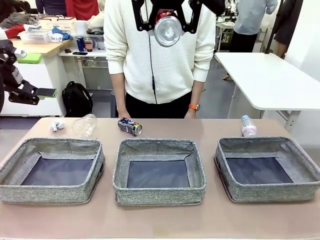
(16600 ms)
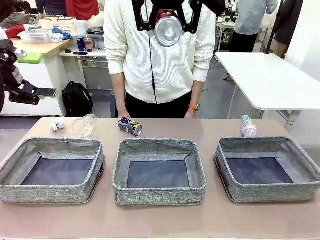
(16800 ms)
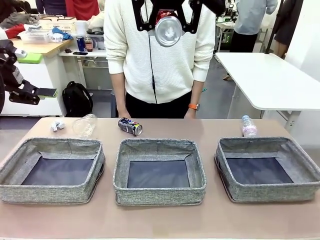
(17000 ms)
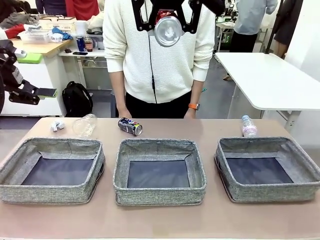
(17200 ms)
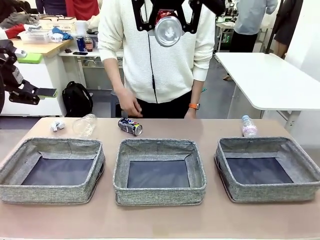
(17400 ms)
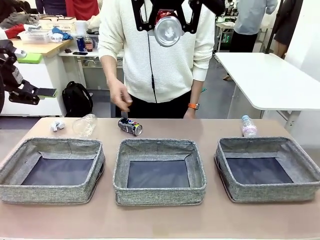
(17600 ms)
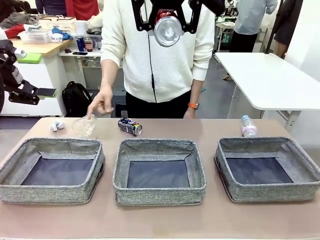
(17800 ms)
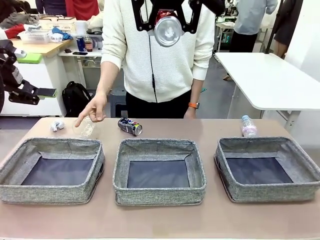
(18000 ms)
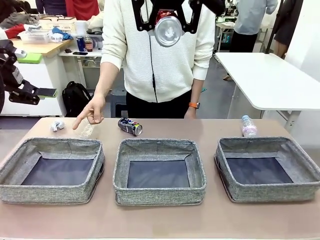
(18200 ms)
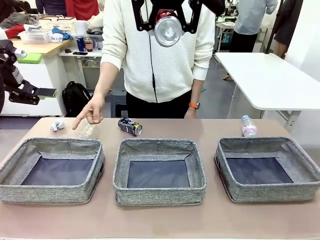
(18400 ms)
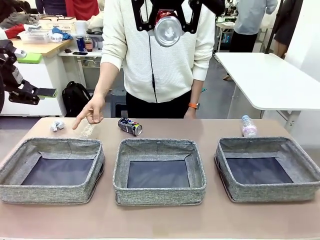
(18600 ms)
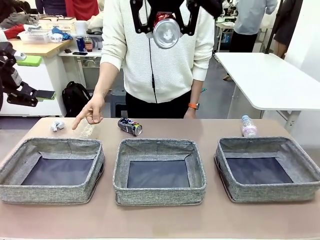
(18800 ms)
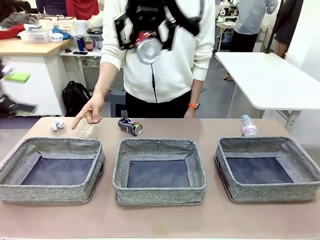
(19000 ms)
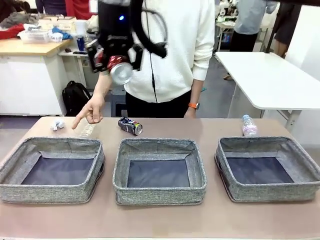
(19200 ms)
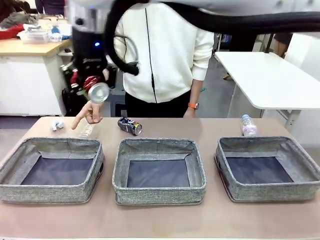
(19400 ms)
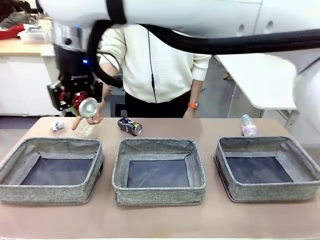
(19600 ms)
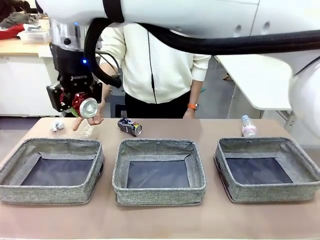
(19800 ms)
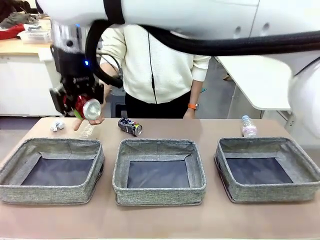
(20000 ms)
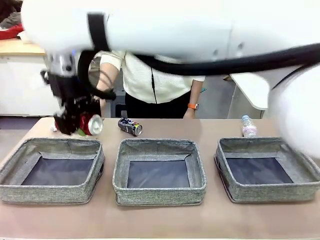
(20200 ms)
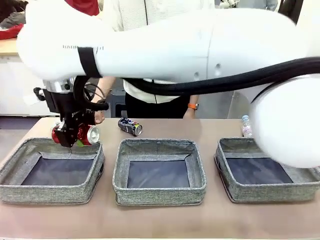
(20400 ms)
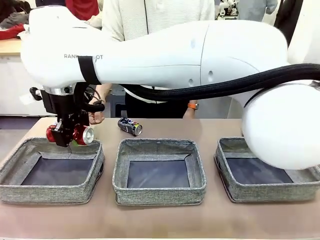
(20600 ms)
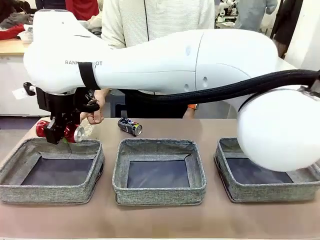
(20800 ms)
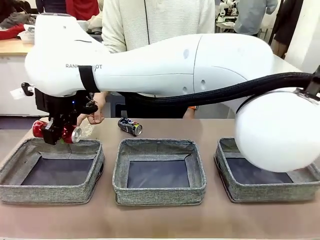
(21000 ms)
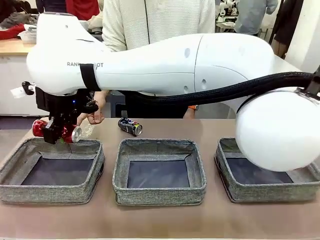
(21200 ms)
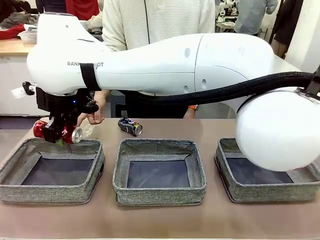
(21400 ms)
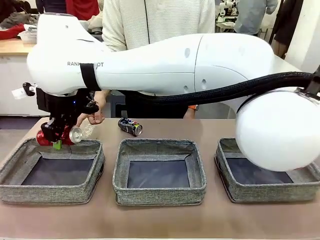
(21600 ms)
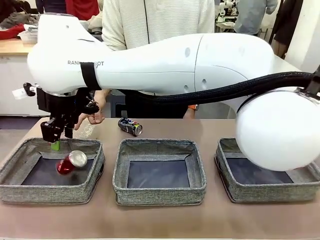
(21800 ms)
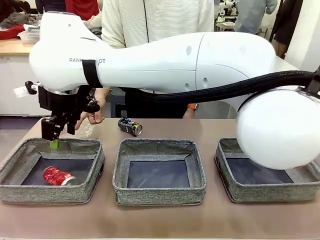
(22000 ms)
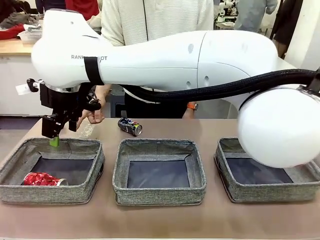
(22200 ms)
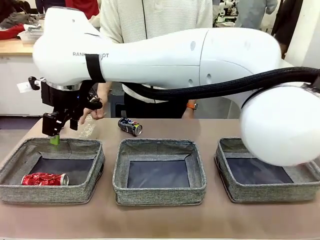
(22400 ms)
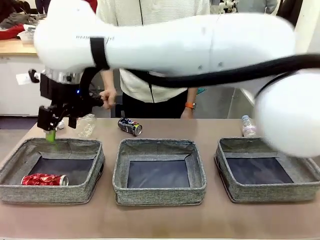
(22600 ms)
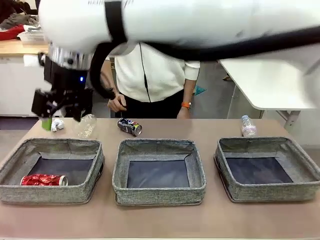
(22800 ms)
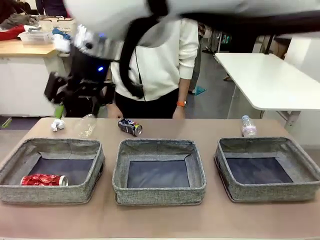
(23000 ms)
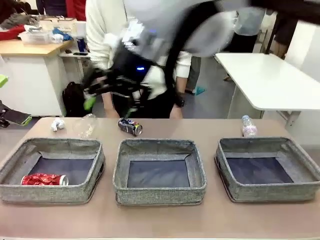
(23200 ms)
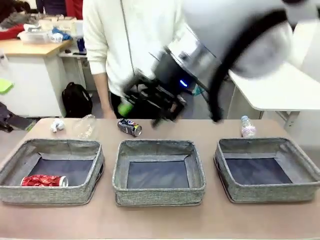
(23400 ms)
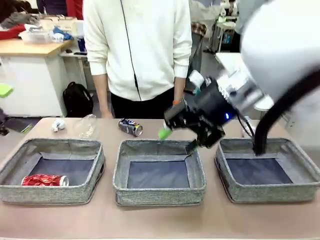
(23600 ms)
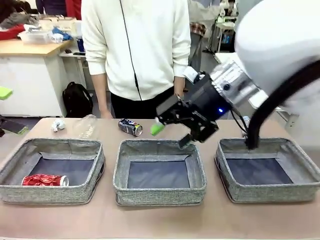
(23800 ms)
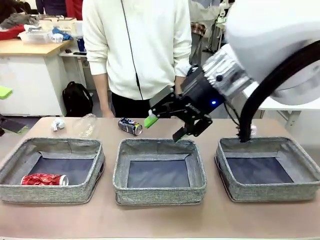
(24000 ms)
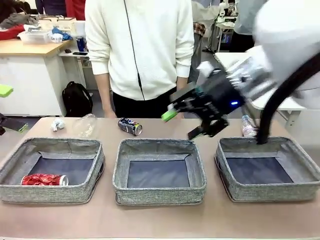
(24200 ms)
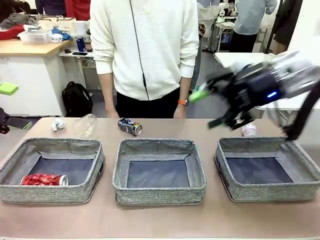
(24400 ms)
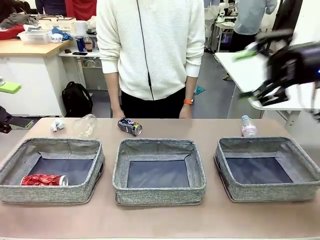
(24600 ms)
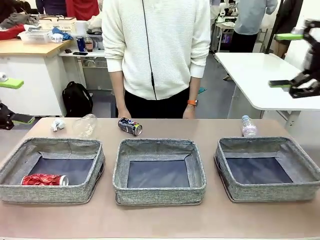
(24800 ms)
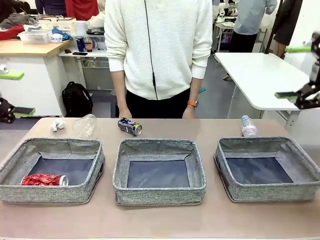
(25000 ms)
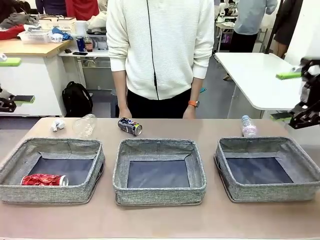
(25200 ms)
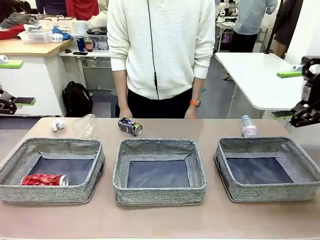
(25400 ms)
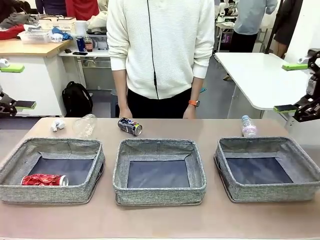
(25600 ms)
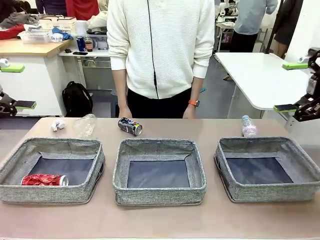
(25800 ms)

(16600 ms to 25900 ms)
Task: Sort the waste into the appropriate baskets.
Robot: Place the picked waste into the Fabric basket indicated by the person.
Person: Instructs the robot to place the picked-up trash into the appropriate organizing basket.

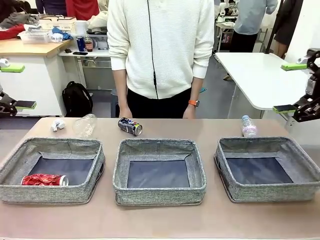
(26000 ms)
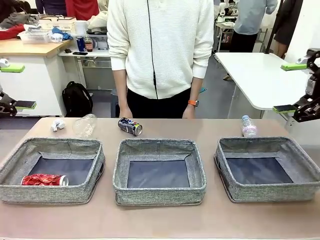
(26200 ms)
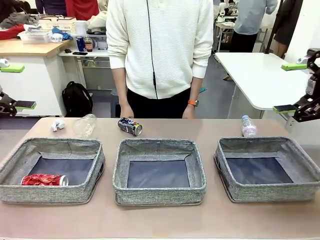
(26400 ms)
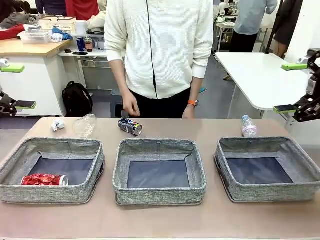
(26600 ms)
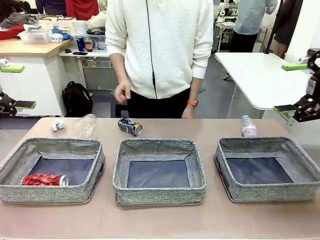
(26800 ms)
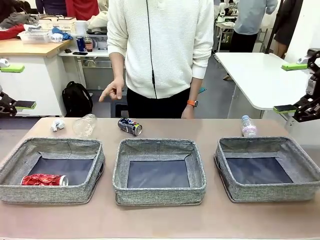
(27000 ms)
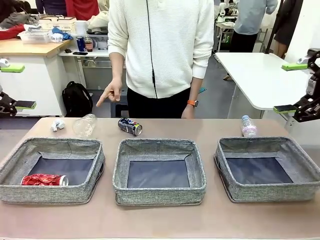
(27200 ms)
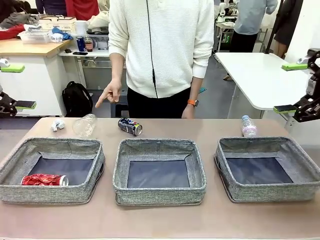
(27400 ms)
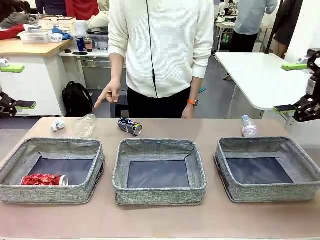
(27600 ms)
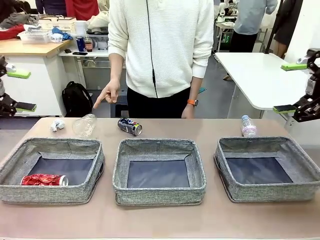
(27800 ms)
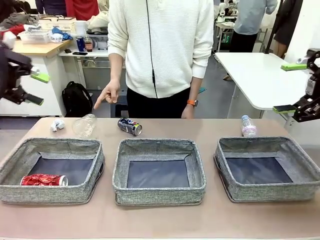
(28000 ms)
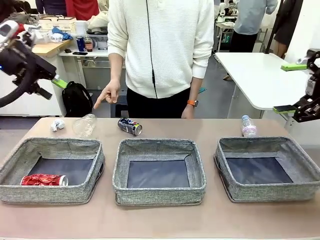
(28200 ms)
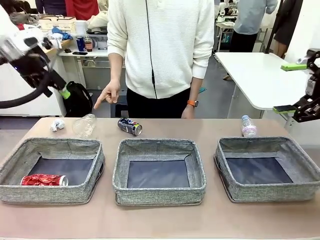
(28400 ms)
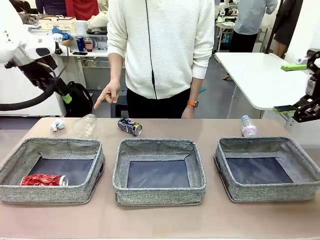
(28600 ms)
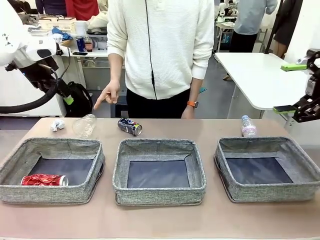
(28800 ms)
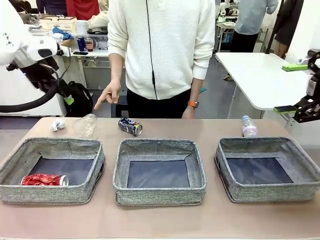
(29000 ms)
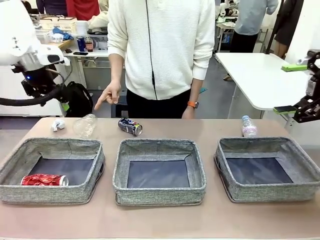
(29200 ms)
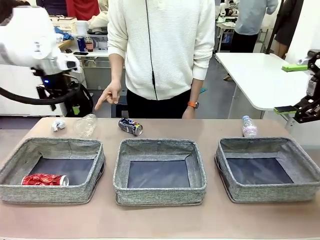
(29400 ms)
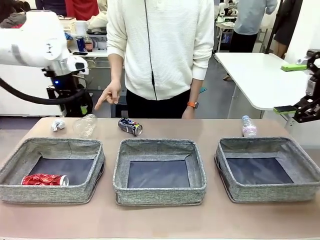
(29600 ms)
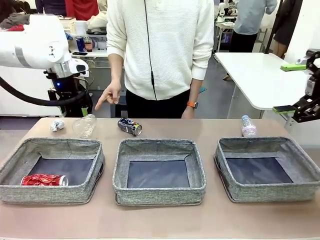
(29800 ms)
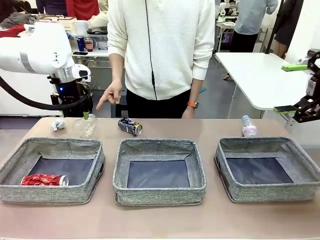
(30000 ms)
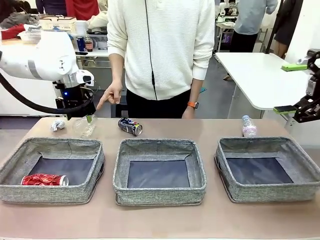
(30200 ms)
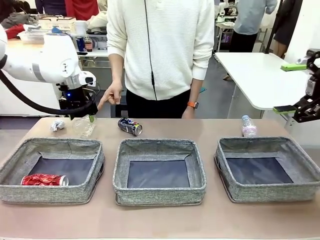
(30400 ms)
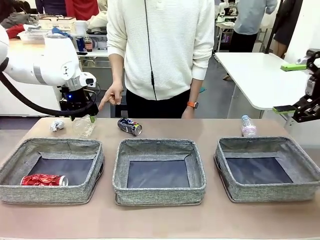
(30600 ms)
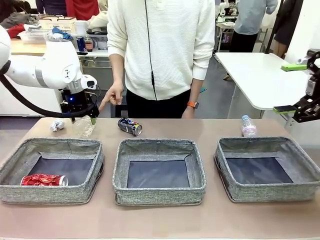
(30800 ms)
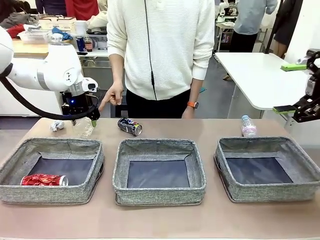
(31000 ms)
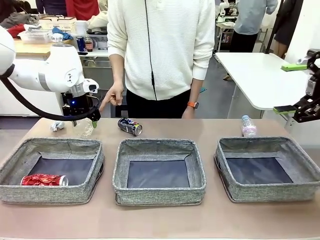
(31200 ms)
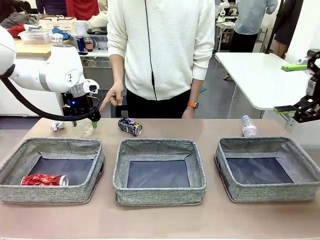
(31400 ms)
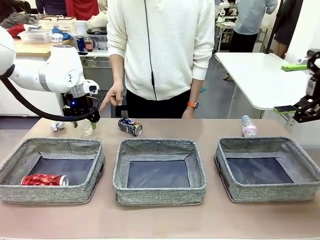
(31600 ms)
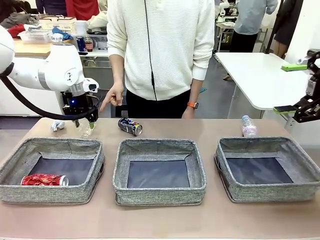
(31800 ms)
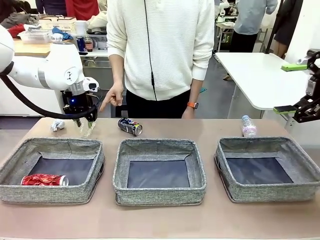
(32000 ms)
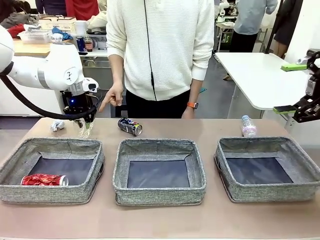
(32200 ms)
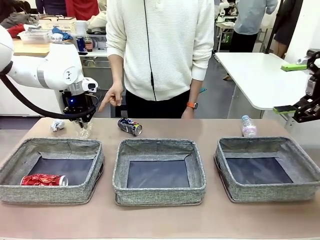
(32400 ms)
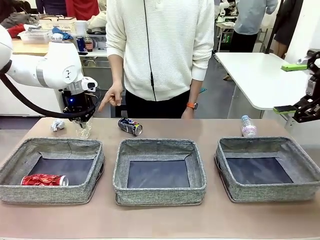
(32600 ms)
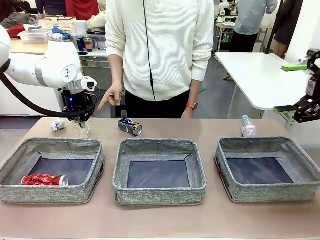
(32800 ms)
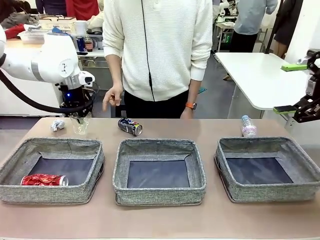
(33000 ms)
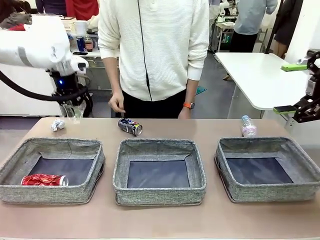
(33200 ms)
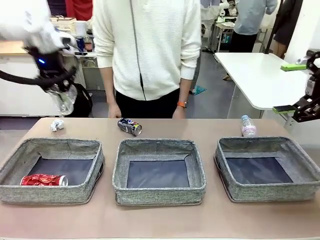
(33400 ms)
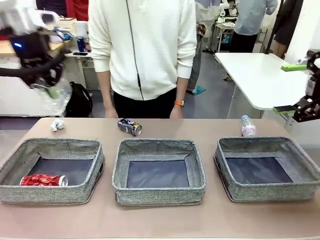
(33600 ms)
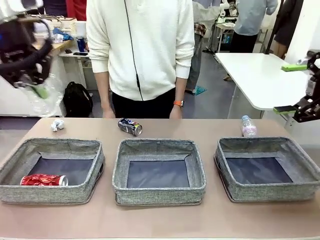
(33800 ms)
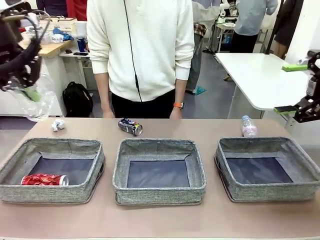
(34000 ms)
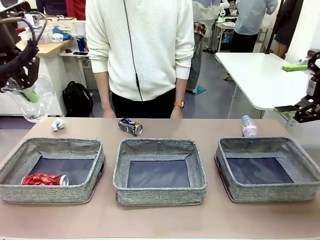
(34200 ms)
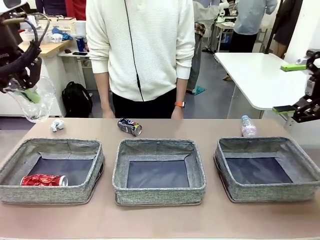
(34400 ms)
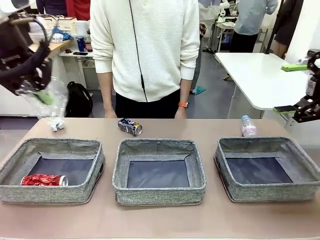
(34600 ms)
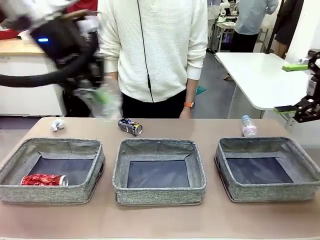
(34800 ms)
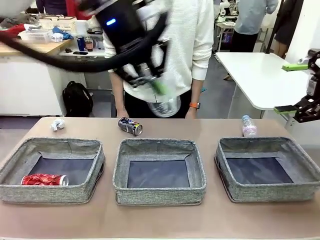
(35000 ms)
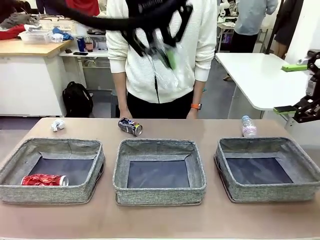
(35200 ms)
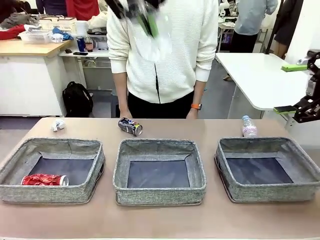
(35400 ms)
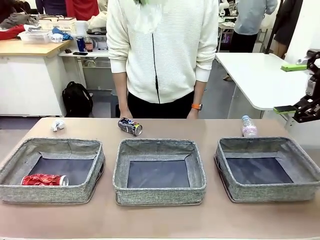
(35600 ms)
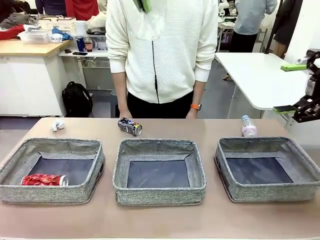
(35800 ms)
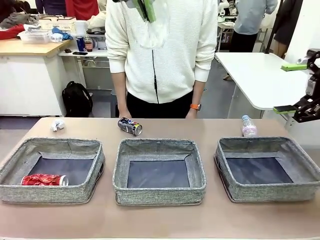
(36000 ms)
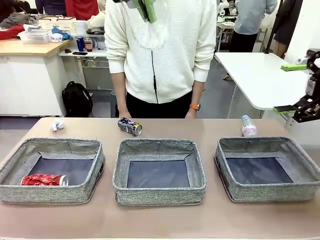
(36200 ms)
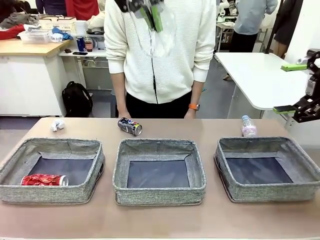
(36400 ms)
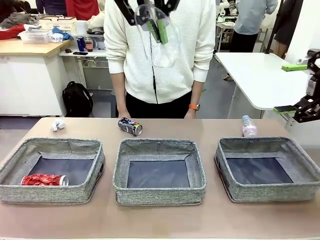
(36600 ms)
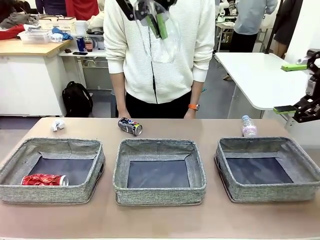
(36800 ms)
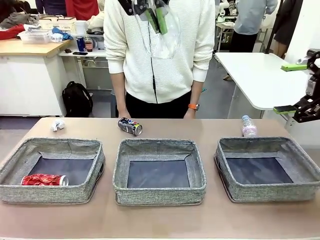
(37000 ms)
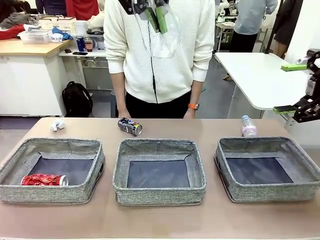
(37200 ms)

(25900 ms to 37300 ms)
Robot: Pick up the waste item pointed out by the person.
Person: Points to one piece of trash on the table.
